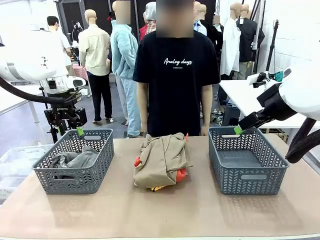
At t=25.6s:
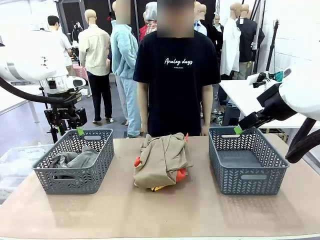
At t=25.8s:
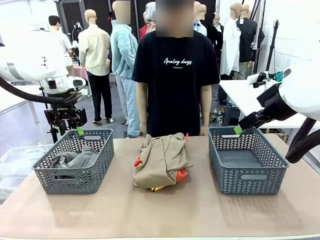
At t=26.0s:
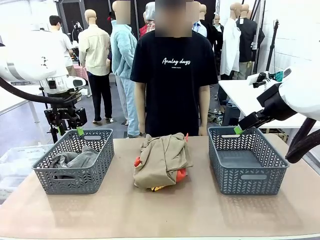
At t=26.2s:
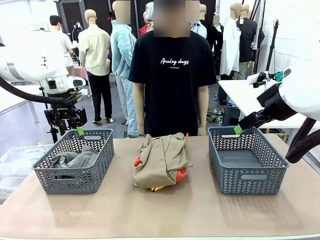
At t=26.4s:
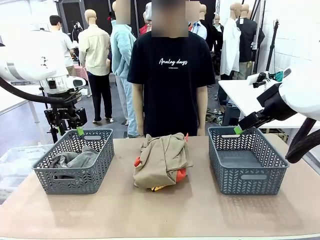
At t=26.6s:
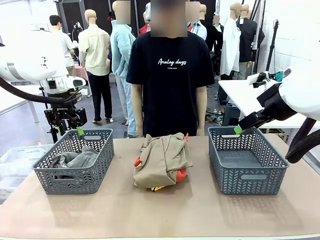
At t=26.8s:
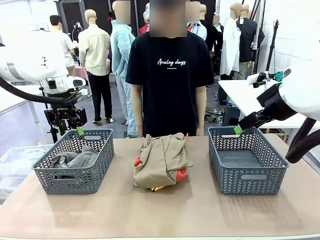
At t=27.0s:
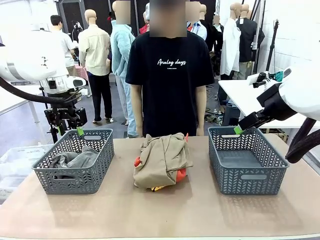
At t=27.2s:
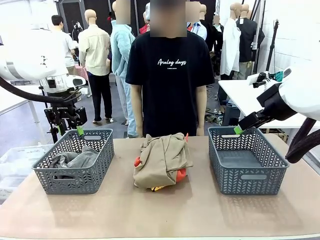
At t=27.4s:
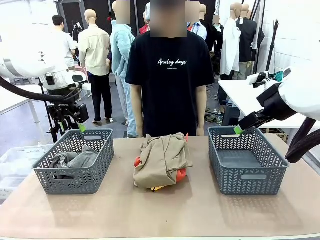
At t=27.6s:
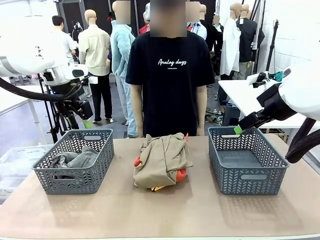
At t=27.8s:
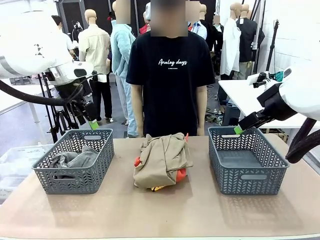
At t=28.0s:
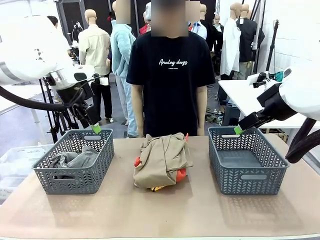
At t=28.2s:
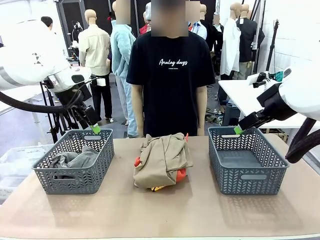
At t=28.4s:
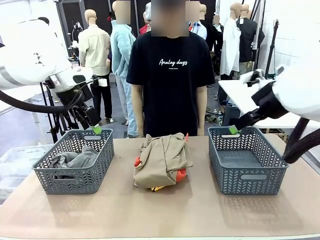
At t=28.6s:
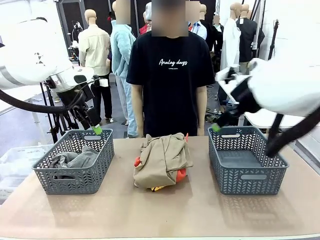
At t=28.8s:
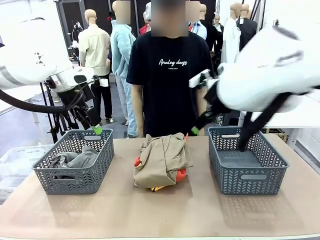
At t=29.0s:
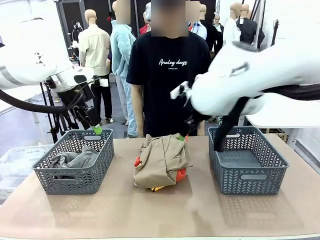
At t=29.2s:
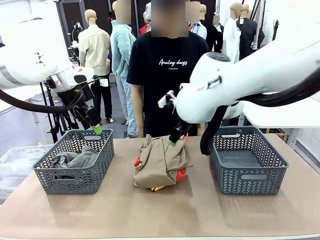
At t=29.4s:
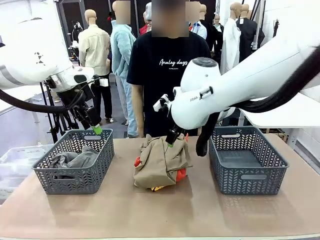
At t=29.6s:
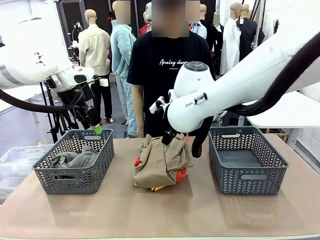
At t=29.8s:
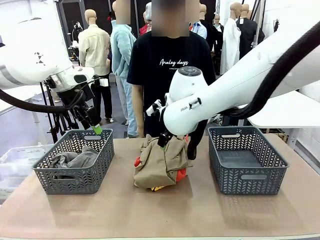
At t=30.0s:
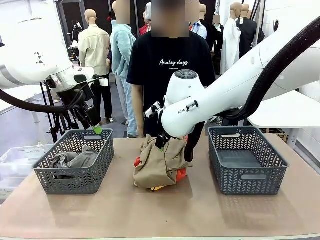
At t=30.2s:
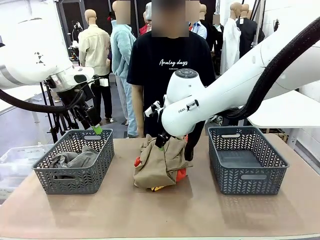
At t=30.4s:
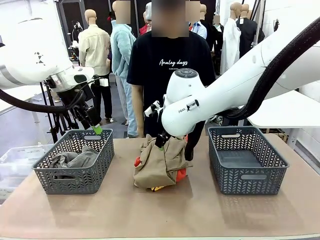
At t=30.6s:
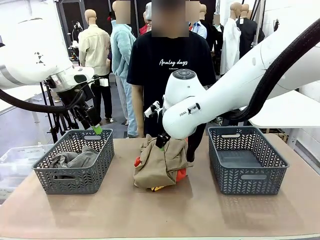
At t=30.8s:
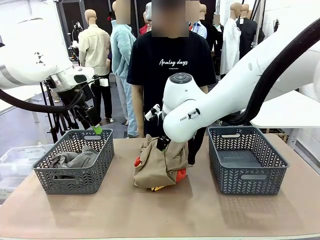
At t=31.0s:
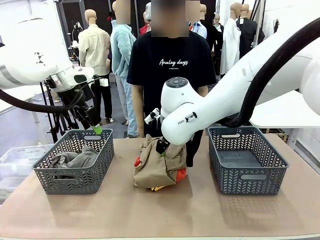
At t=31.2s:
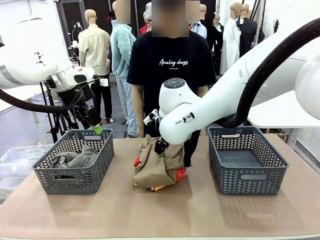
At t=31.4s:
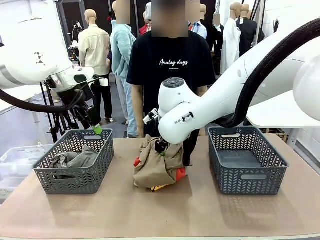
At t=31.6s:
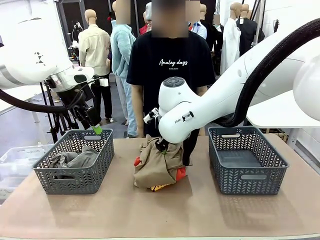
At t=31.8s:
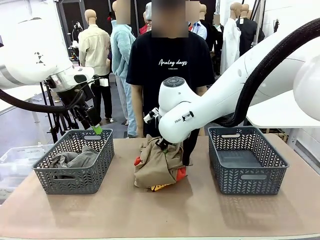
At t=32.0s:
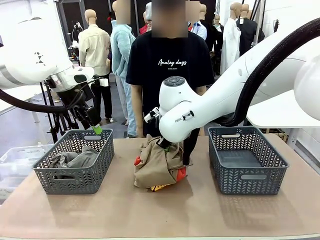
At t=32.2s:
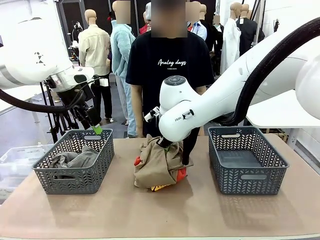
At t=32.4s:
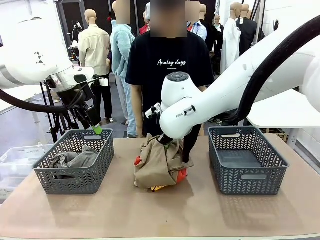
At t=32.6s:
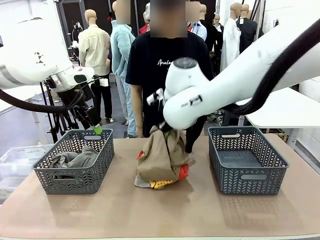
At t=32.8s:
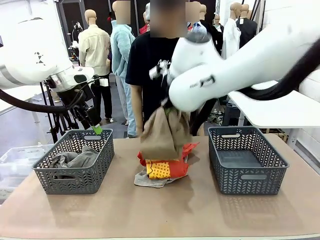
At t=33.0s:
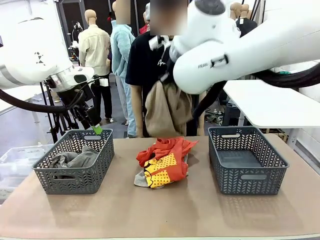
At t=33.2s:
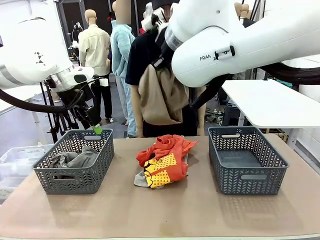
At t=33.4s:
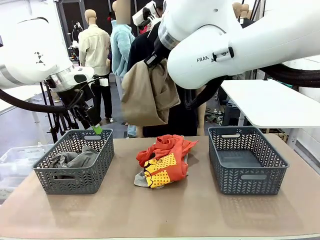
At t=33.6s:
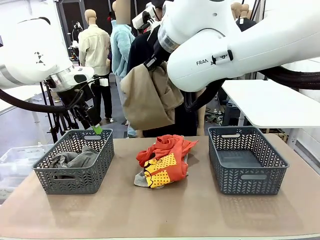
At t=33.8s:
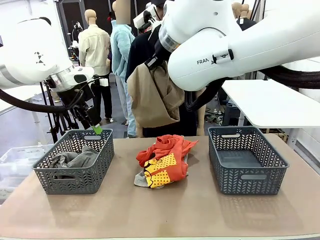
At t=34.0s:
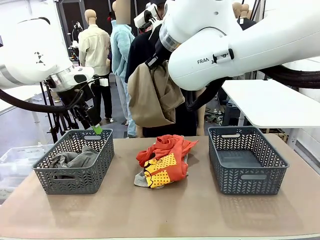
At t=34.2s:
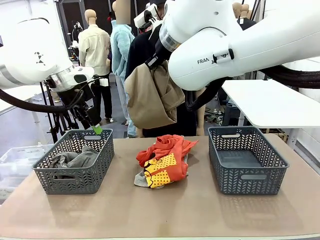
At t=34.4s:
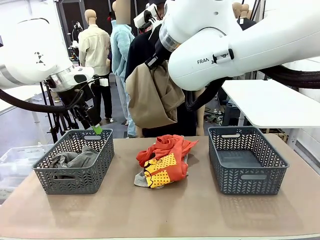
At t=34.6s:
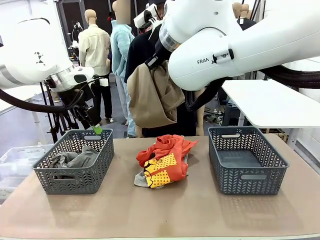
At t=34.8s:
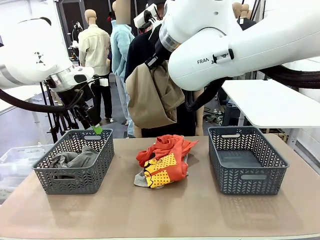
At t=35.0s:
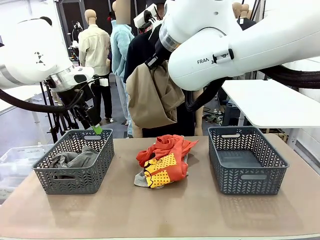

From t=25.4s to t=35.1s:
Task: Sort the tops and bottoms.
Robot: Lift clothes from the center of the table with your right hand.

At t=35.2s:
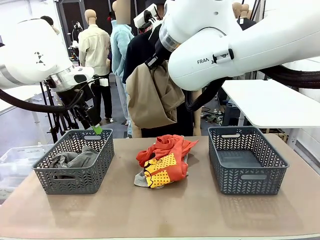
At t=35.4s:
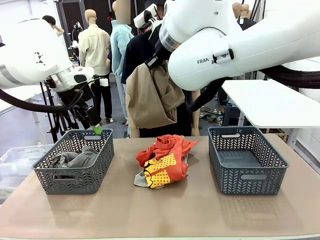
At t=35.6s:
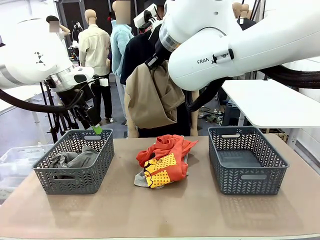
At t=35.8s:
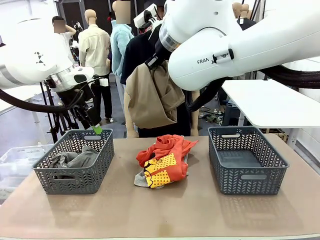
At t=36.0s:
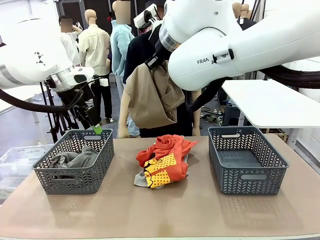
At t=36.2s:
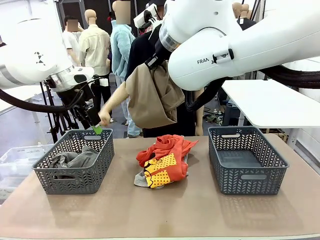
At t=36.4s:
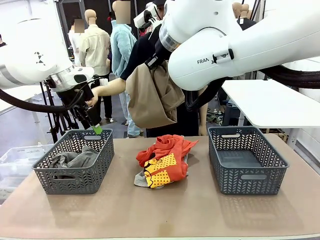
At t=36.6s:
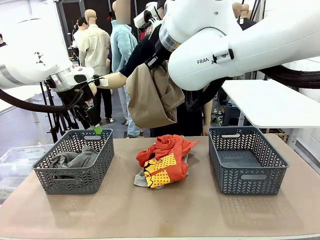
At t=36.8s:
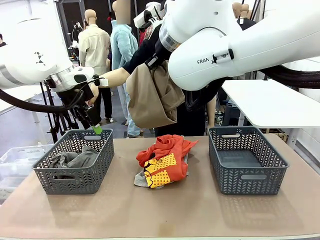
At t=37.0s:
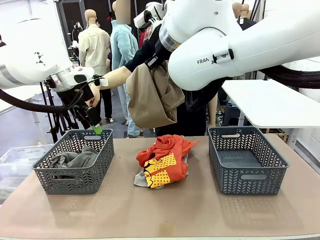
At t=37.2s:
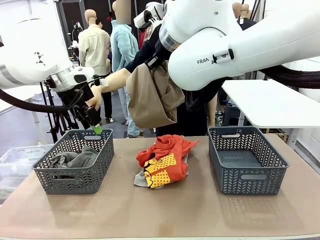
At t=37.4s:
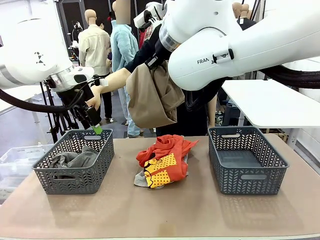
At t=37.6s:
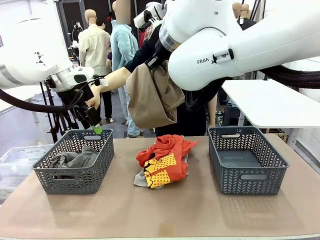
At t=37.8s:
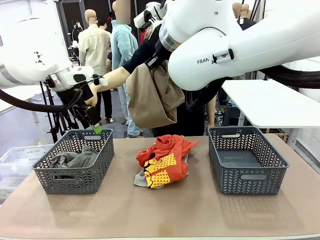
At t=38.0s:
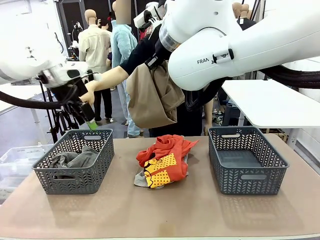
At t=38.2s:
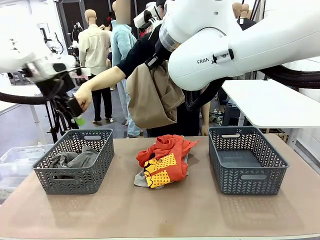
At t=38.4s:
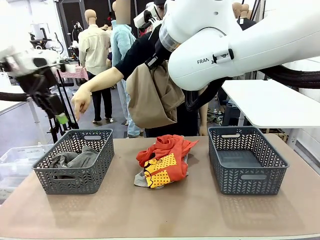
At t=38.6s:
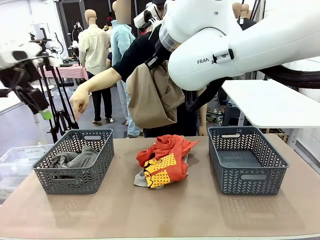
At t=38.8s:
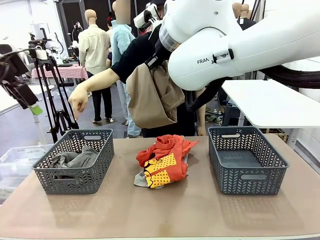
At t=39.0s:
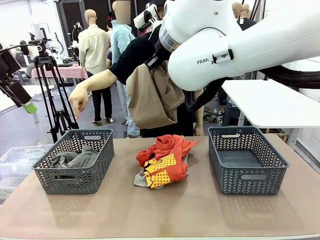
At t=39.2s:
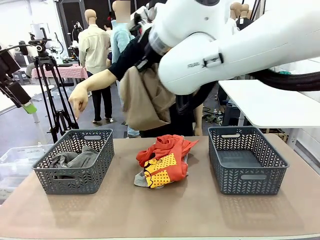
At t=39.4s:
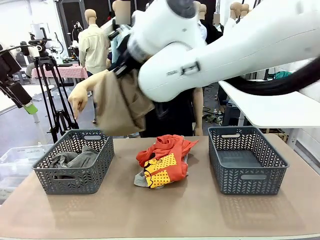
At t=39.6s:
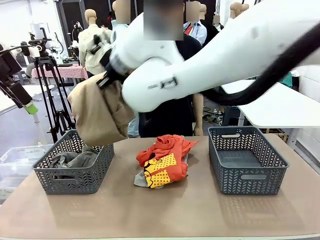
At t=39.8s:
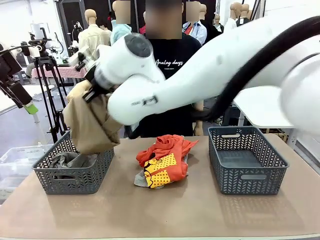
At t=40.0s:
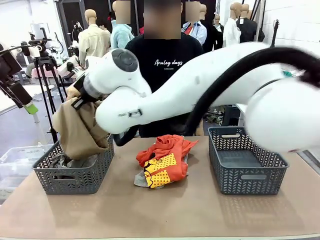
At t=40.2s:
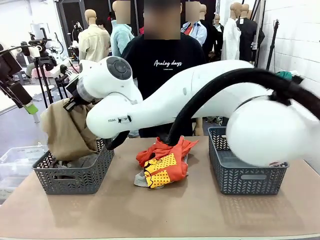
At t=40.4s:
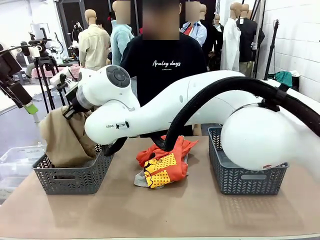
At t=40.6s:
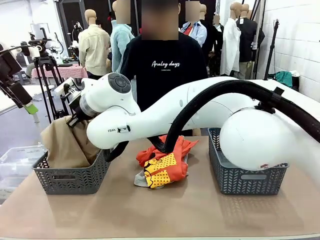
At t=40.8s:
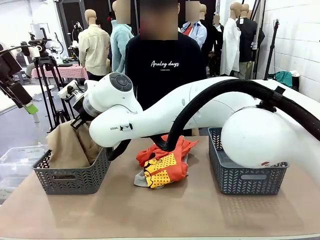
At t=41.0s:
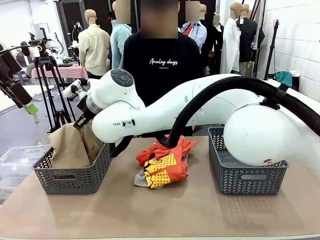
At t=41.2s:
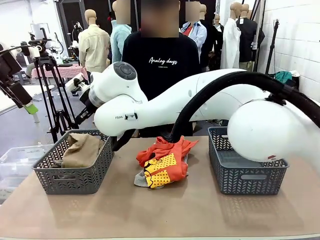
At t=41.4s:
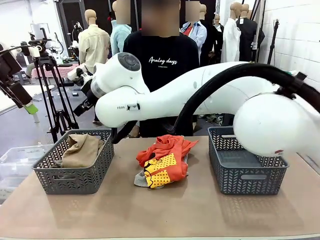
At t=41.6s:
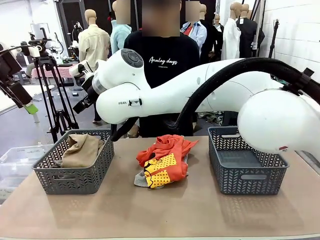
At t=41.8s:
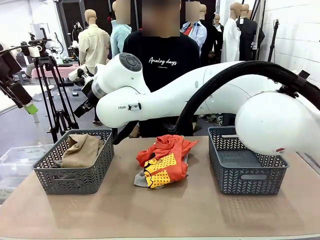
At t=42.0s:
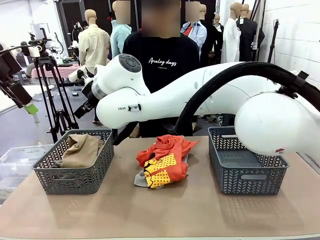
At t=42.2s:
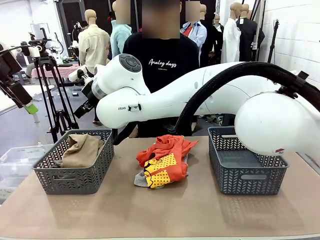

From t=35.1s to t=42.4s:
Robot: Sort the clothes according to human instructions.
